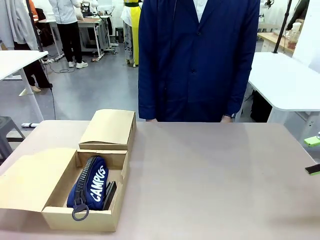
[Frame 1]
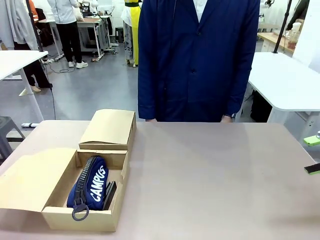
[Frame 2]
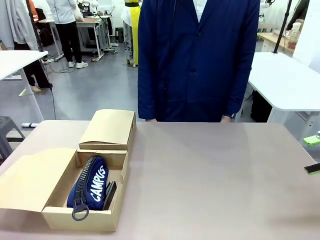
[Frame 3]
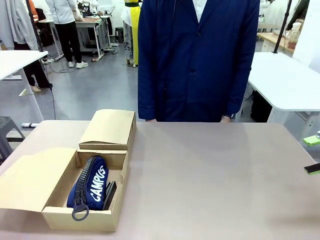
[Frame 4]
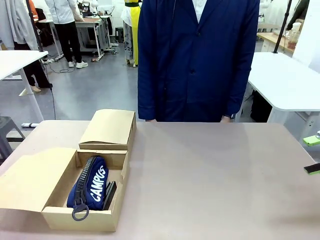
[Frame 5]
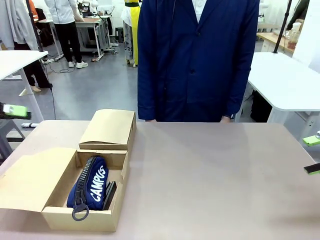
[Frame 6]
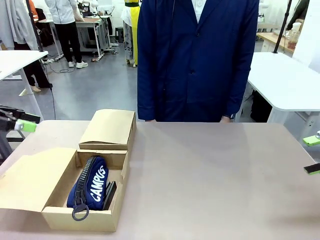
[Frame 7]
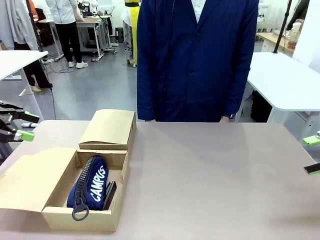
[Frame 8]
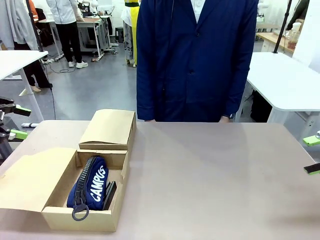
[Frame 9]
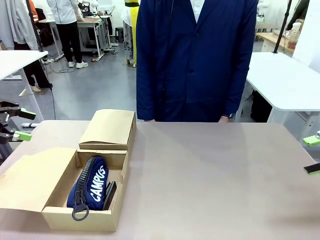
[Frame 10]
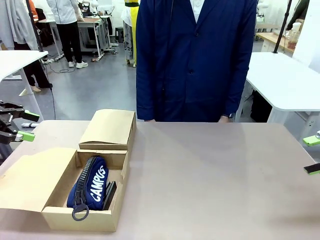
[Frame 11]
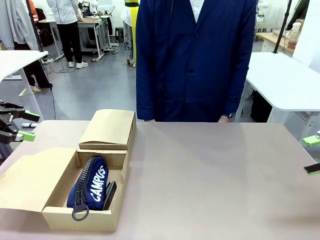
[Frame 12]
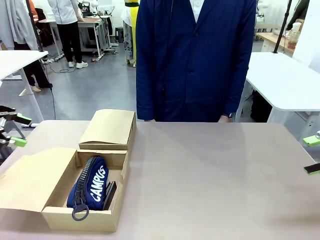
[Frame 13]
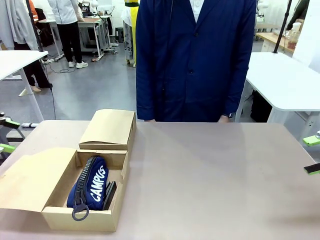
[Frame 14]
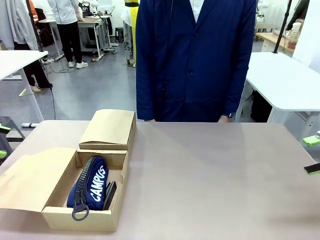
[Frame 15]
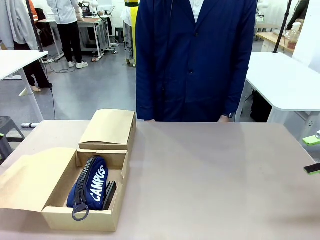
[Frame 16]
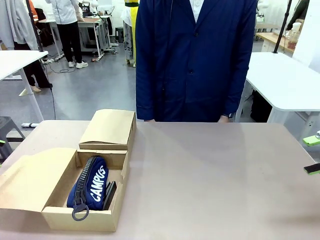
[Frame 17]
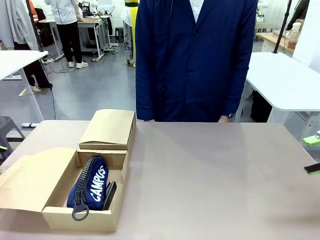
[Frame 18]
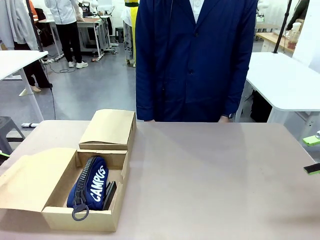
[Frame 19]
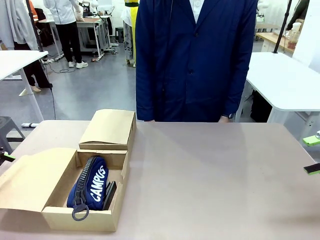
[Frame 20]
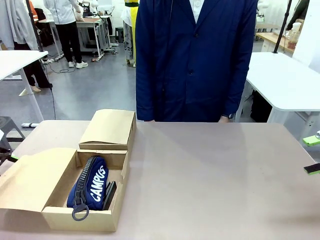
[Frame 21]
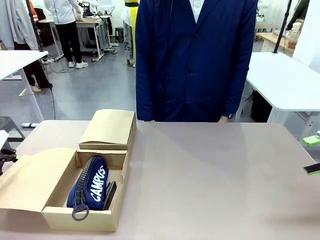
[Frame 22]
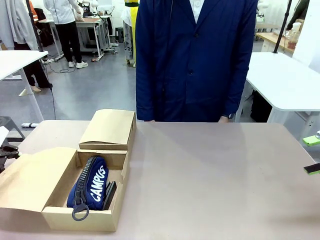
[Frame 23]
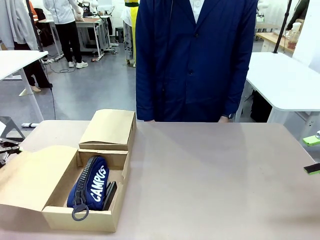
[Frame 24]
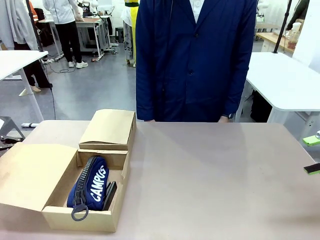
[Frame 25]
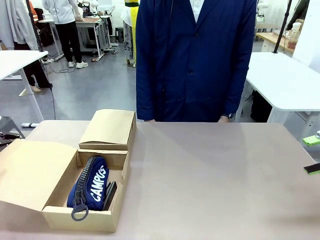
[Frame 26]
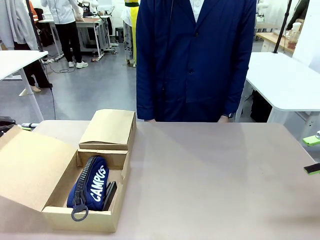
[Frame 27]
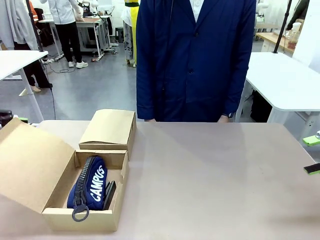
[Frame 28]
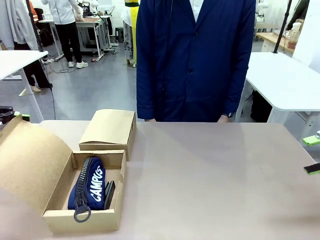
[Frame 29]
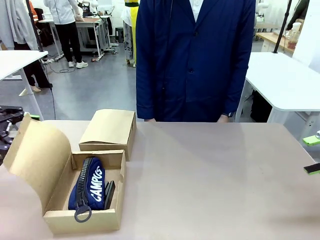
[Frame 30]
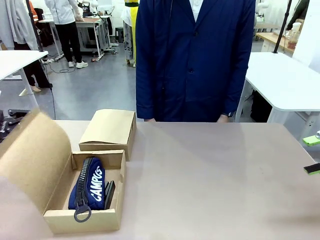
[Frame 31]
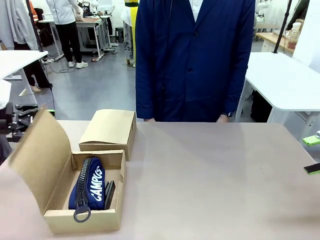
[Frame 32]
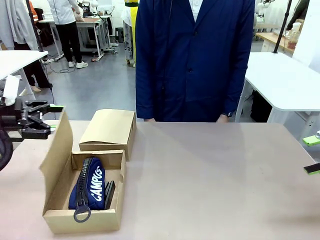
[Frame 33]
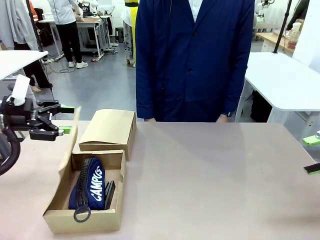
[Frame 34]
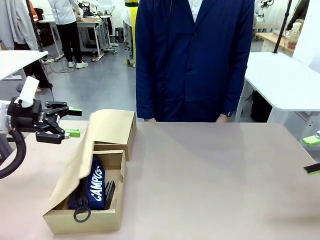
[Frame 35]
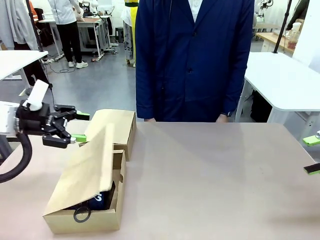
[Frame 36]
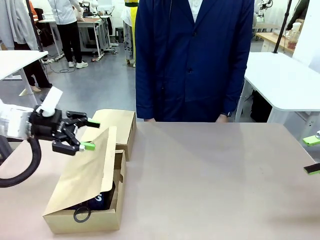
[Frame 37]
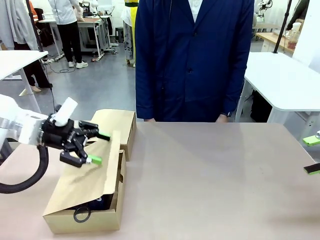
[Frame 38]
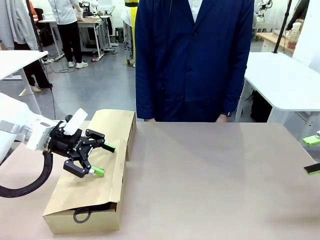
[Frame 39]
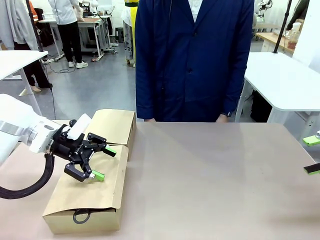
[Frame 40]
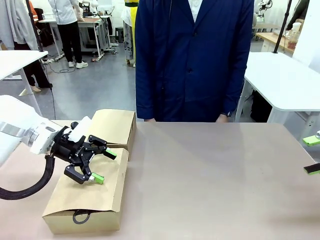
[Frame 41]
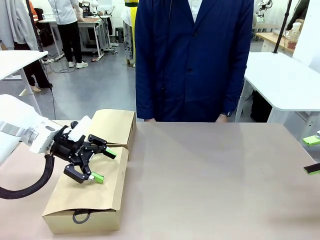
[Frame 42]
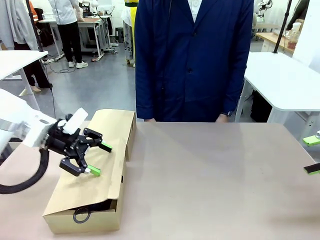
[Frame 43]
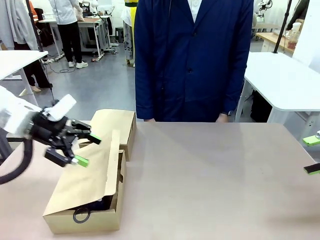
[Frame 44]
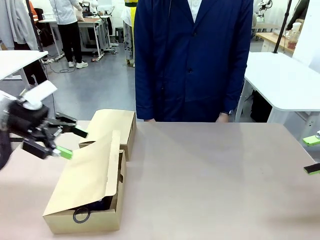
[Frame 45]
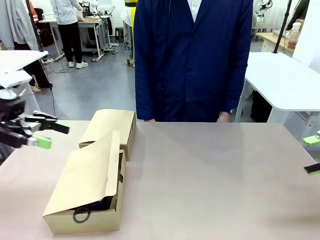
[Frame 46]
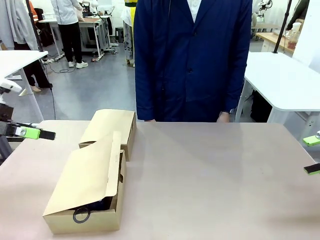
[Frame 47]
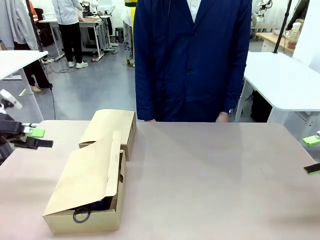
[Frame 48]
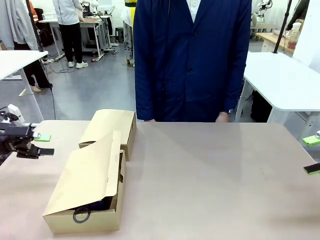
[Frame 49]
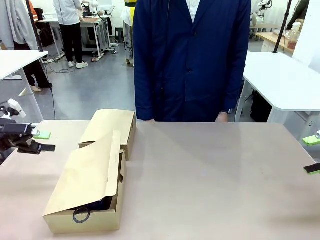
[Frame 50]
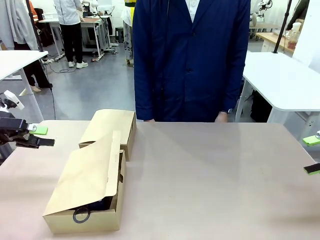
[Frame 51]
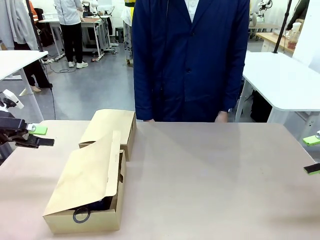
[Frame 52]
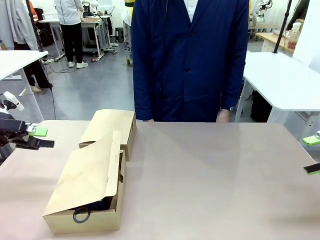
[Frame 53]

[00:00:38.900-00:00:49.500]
Task: Place items inside the box.
Robot: Close the lid of the Mailer Box closest to the robot.

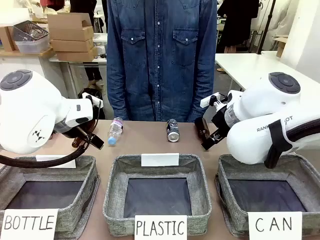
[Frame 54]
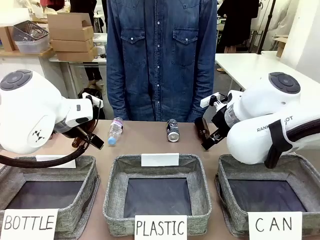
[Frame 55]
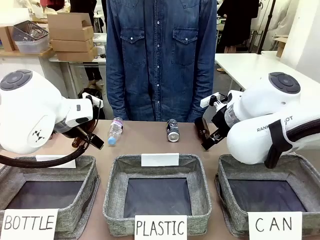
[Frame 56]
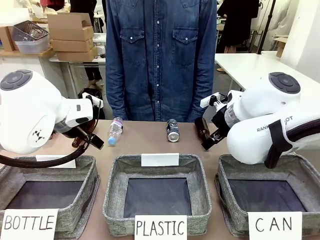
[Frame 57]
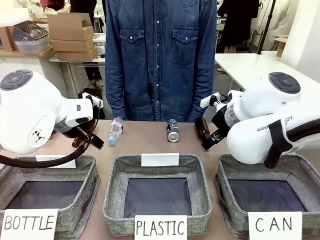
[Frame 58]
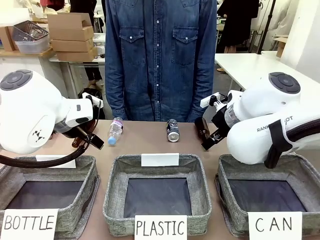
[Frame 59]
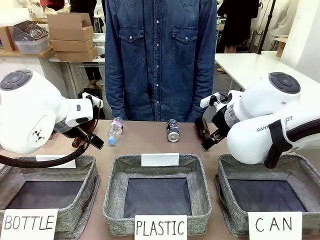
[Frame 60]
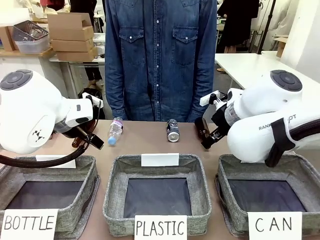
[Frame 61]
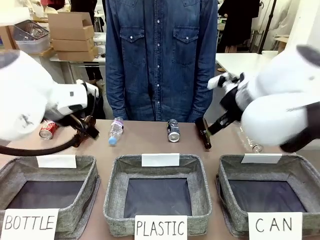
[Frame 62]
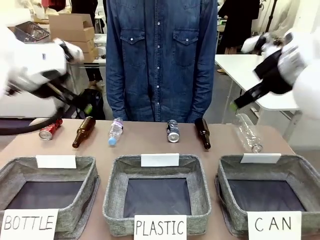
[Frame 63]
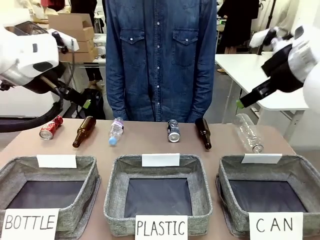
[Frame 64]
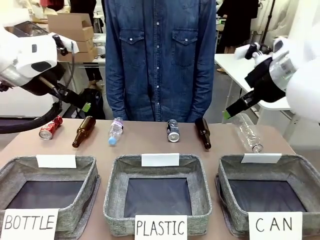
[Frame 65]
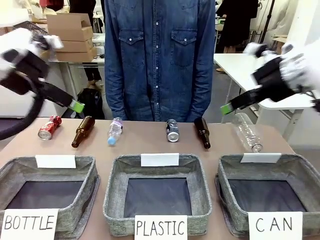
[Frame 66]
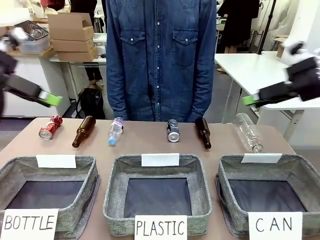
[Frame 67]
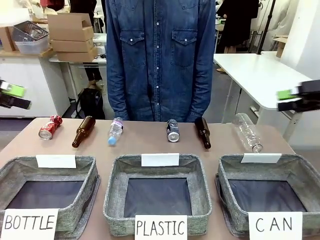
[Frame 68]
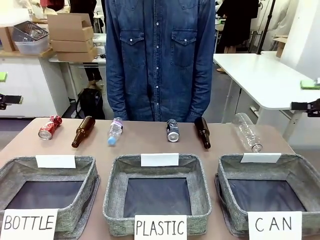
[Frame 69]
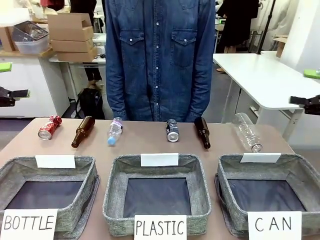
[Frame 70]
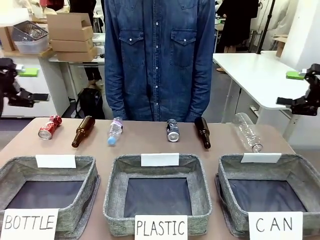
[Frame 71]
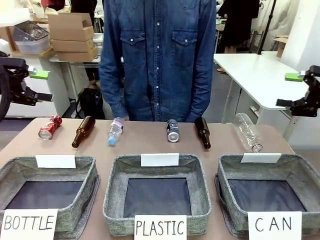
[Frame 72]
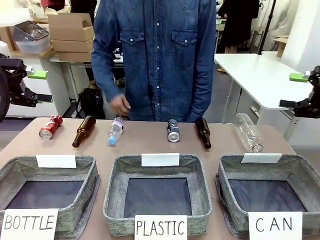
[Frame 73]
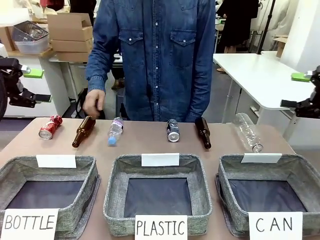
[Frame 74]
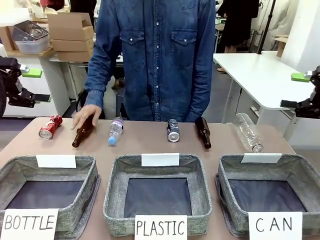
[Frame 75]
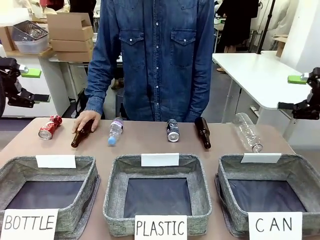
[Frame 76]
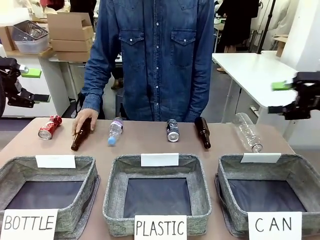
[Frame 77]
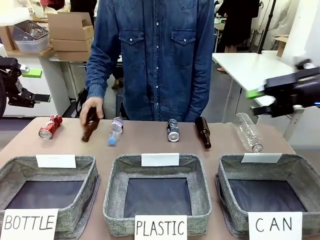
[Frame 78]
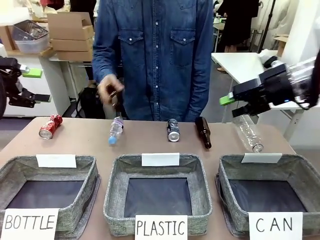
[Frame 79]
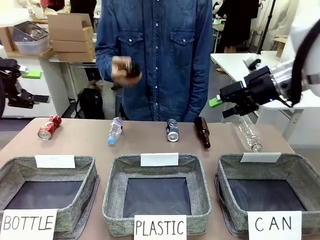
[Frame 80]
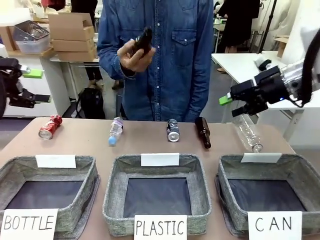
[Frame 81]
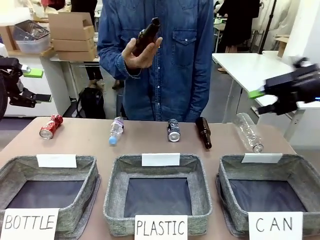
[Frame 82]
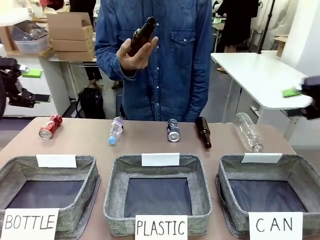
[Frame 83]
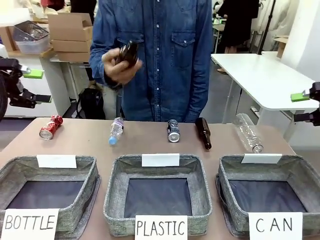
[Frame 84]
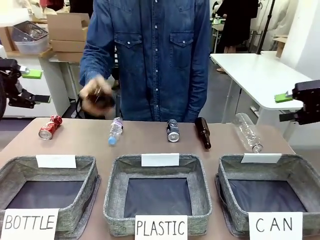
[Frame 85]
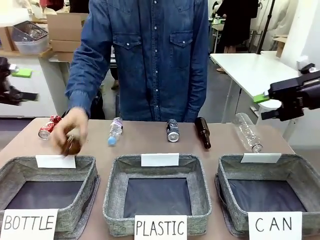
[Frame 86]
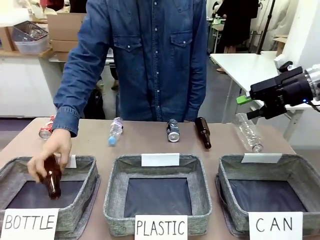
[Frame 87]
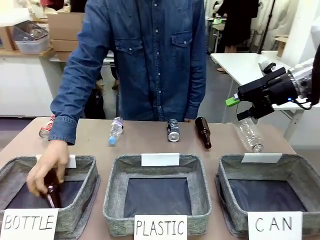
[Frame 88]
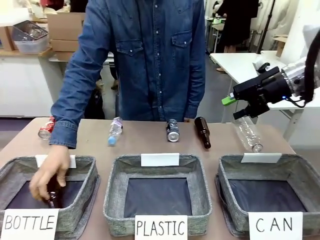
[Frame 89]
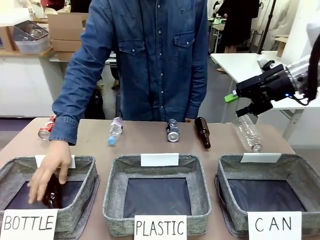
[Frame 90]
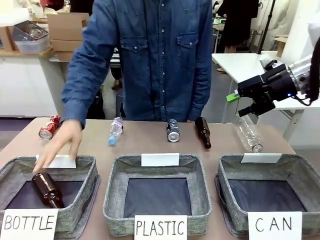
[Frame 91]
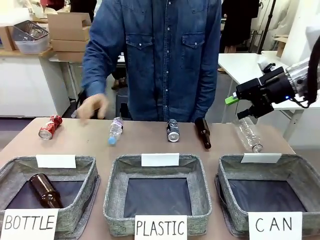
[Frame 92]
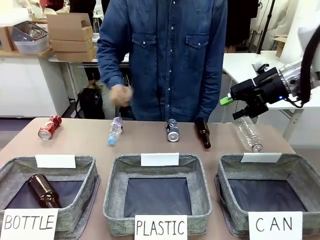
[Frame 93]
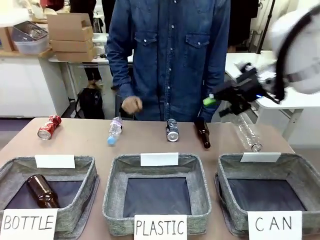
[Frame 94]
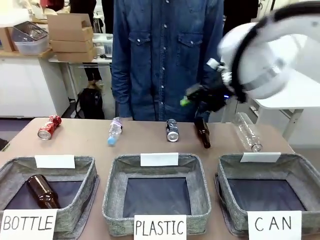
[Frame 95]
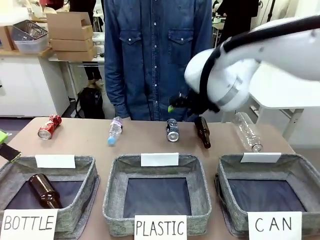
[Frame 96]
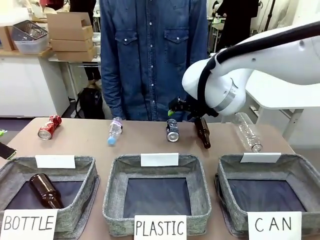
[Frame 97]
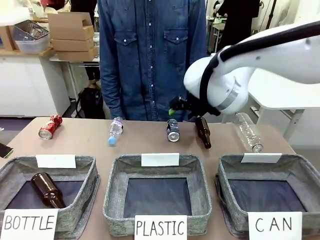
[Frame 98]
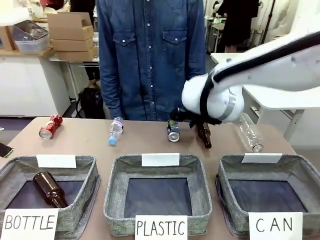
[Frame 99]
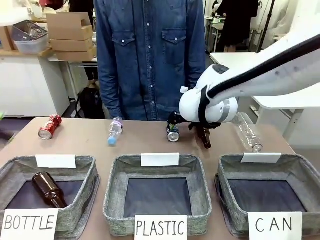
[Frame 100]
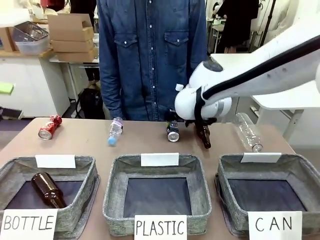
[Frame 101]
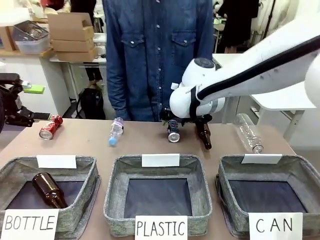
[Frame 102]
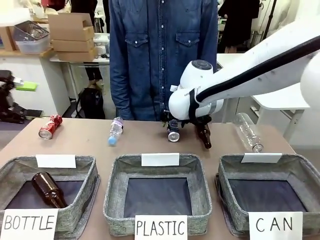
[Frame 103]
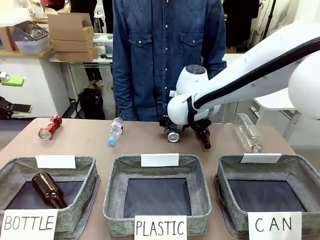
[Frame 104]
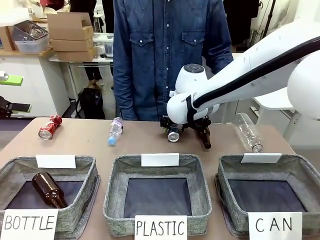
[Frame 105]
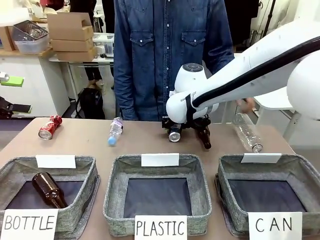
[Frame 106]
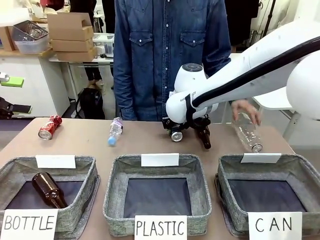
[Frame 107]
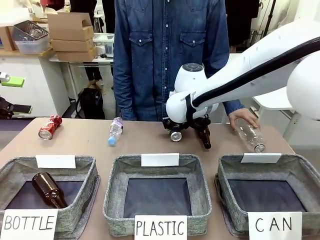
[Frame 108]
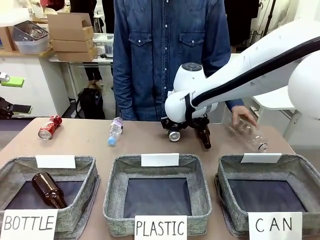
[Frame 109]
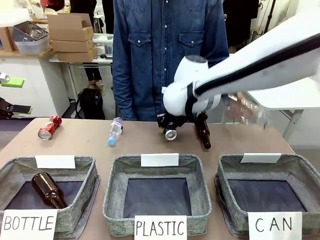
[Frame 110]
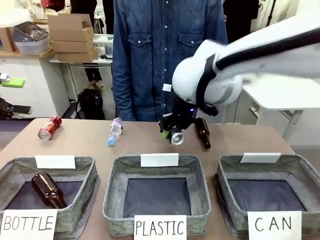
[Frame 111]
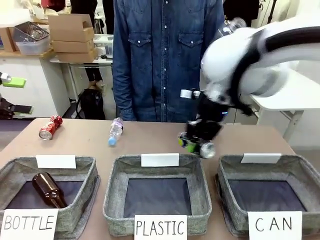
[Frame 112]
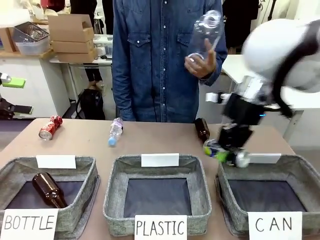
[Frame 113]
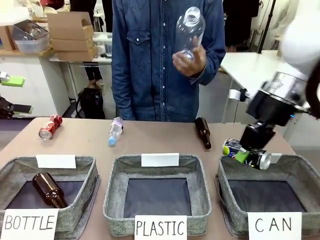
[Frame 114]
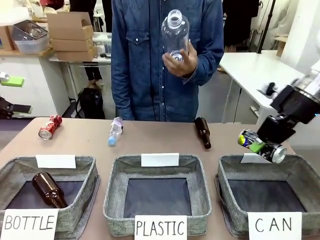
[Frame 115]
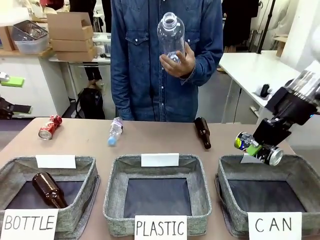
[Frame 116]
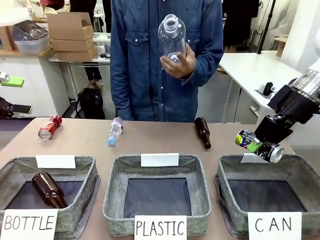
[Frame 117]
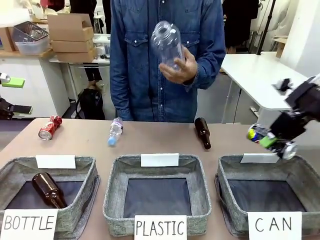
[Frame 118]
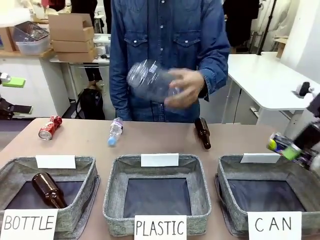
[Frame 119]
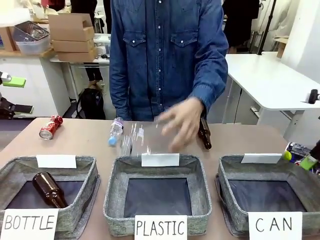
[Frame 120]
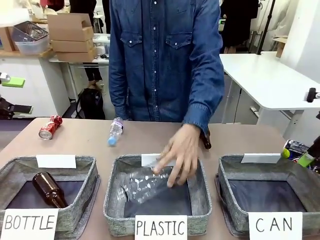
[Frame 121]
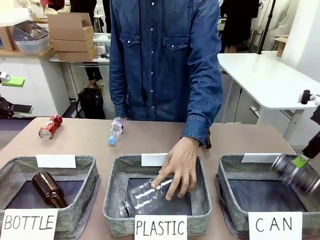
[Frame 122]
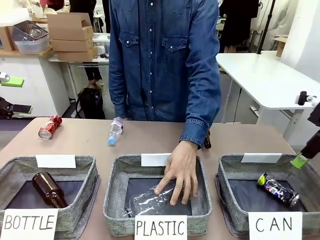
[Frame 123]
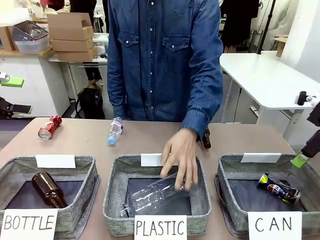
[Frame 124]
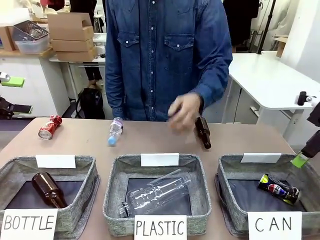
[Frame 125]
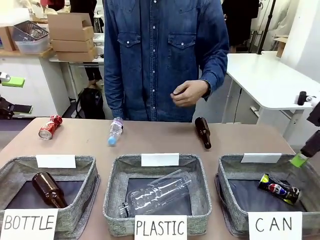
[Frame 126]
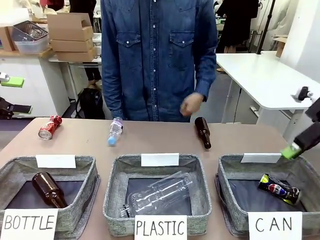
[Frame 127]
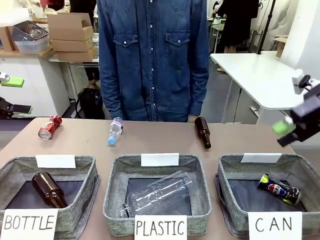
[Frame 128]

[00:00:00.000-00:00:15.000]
Task: Sort the can waste into the basket.
Robot: Pick up the can waste from the table and place it in the right Fabric basket.
